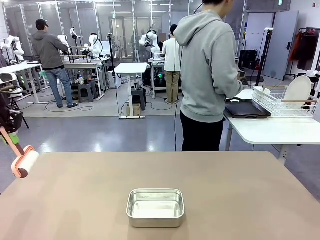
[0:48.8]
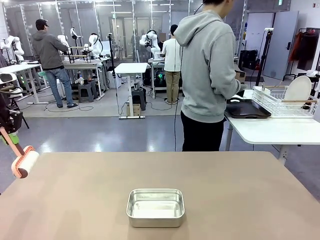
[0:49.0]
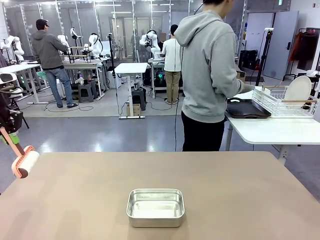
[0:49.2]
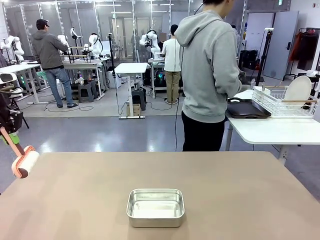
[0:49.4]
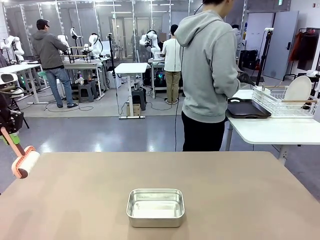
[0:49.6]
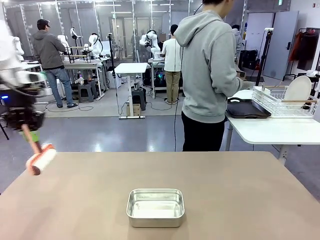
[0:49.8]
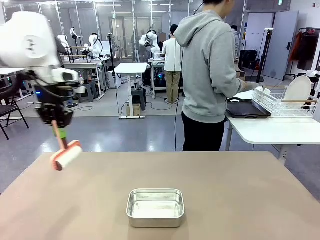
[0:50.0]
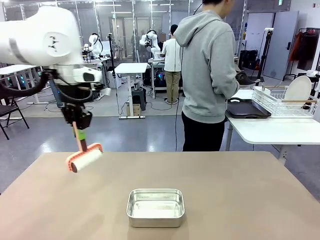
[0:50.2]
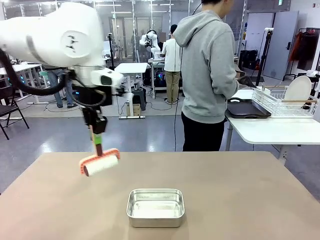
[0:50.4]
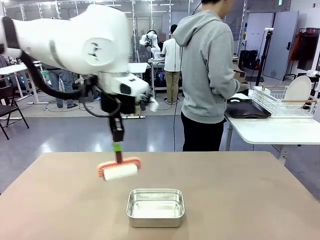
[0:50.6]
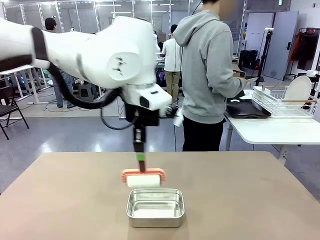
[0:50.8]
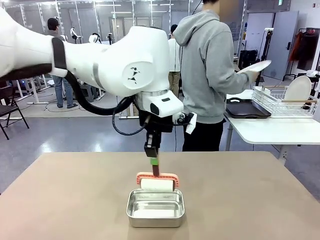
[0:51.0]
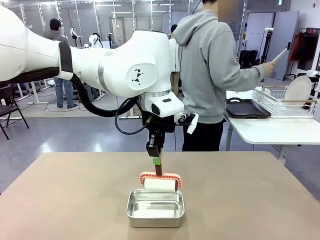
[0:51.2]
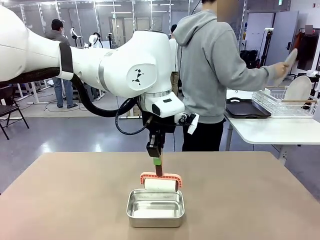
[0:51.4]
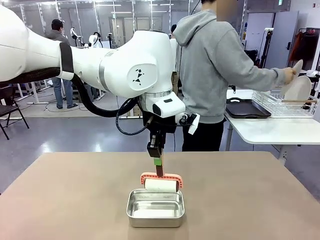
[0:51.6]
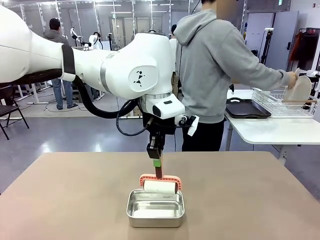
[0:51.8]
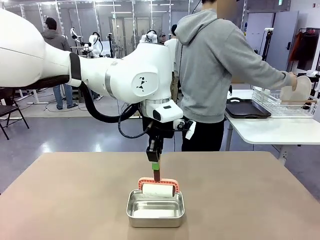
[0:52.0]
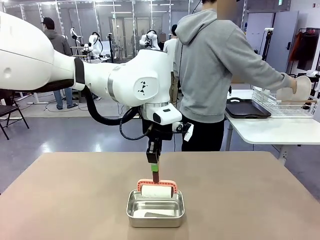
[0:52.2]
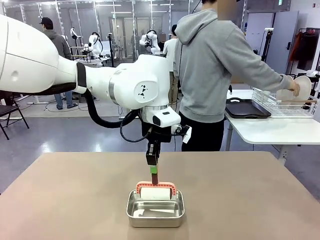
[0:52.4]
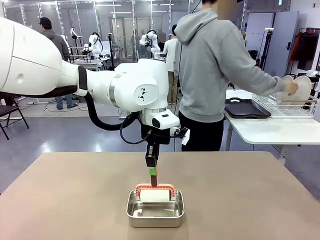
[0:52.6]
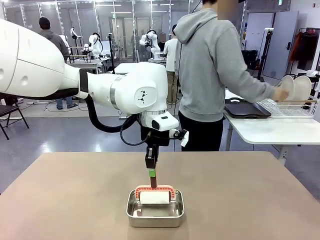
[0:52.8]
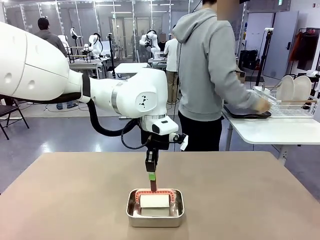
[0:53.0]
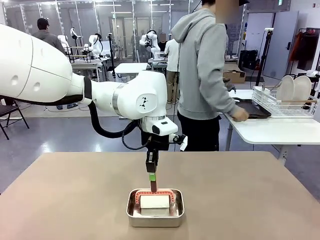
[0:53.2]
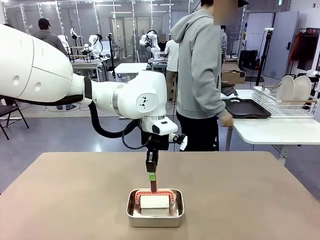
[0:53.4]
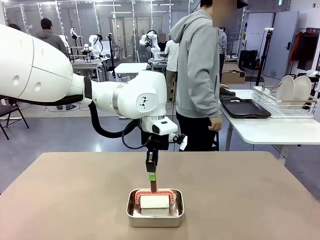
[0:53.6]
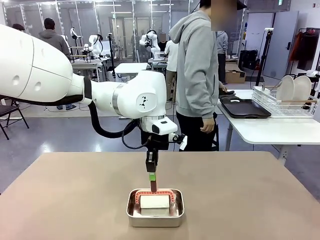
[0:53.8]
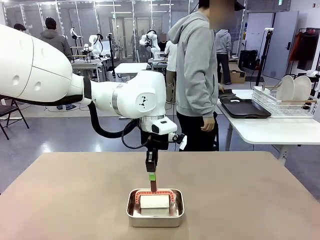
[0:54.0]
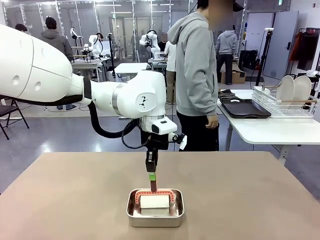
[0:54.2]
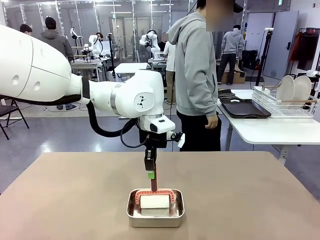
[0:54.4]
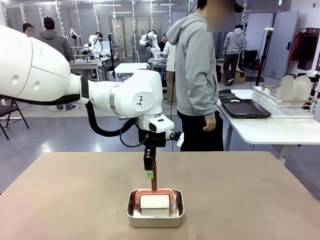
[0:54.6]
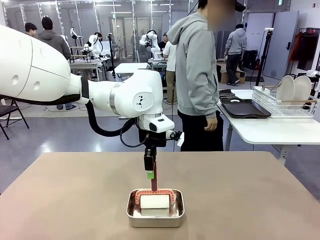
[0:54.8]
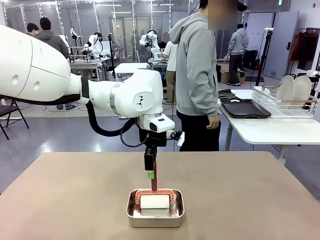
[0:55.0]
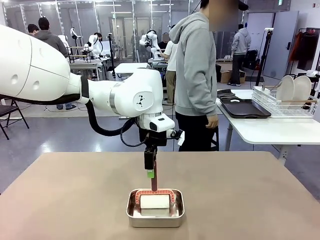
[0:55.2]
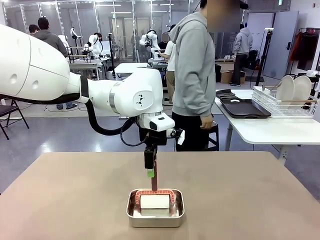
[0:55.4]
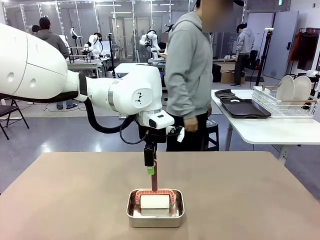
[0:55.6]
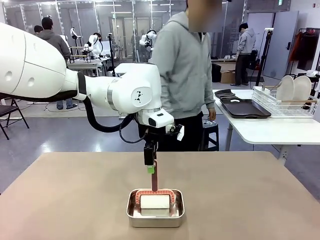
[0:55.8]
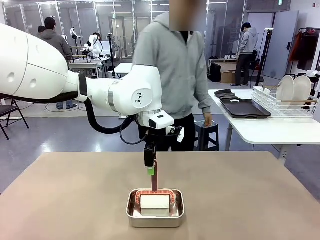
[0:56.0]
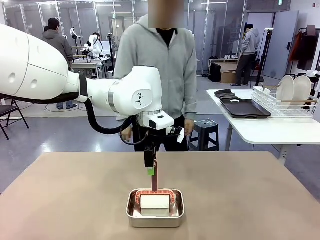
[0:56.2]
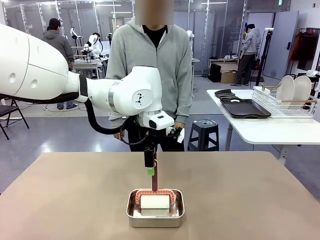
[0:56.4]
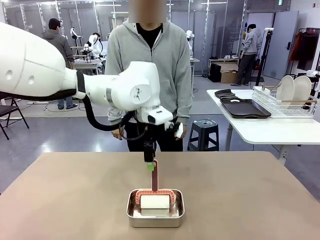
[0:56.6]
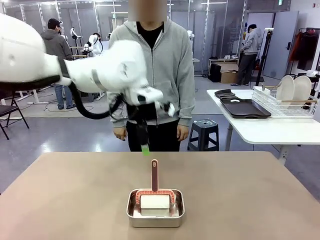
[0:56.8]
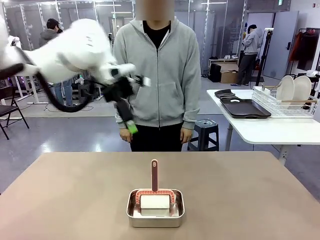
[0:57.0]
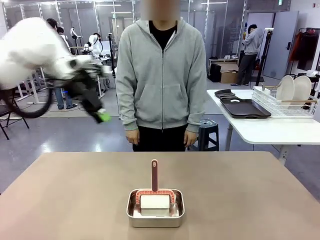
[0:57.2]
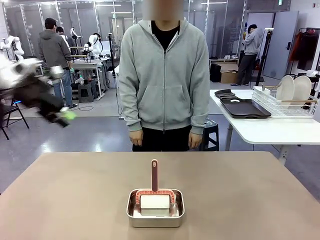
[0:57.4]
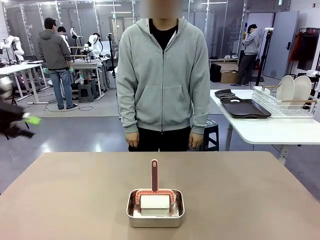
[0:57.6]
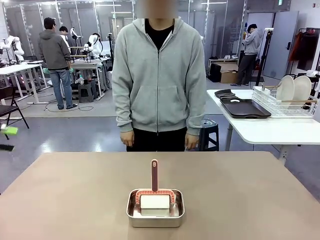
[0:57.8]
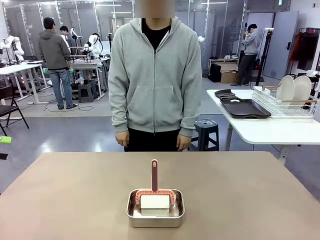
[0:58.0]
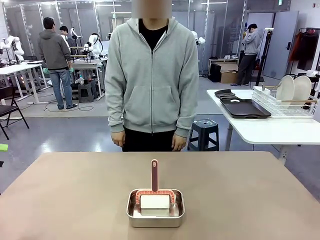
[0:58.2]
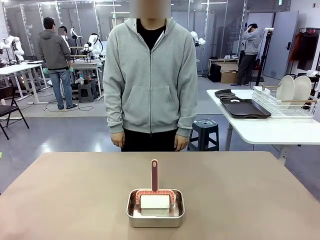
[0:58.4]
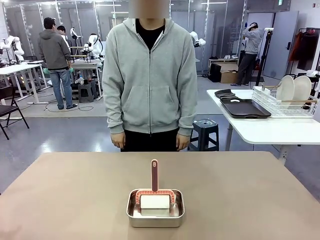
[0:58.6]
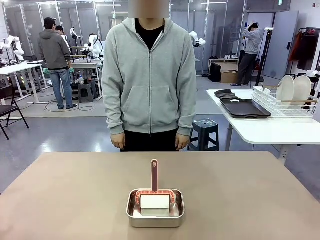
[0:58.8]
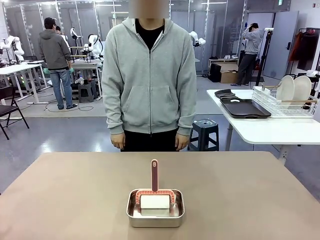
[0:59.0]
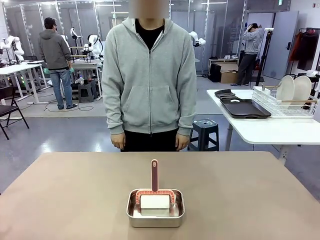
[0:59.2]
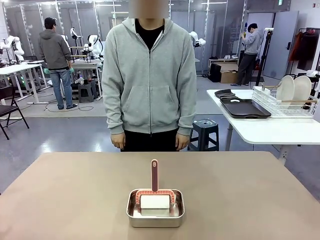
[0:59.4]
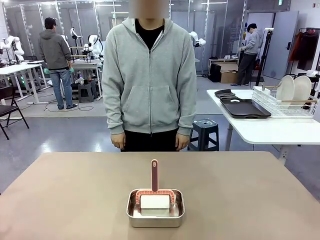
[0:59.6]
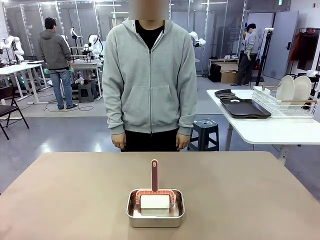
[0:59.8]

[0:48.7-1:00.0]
Robot: Place the Lint Roller back on top of the Airtight Container.

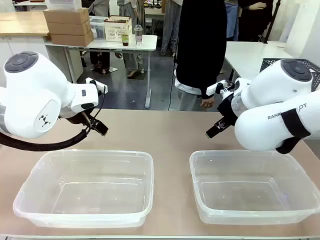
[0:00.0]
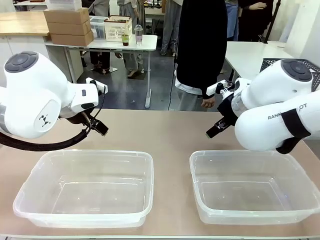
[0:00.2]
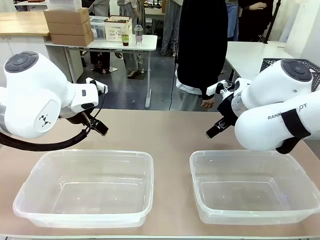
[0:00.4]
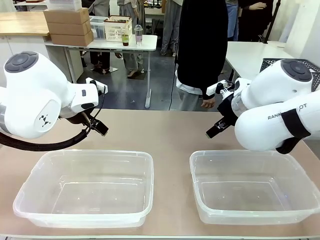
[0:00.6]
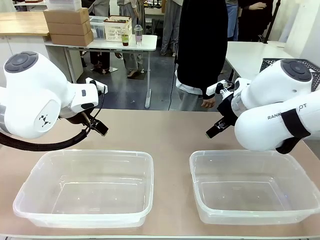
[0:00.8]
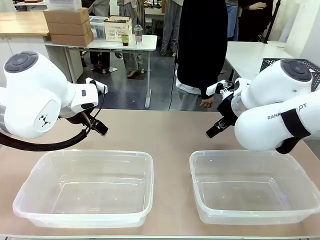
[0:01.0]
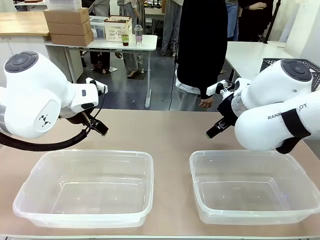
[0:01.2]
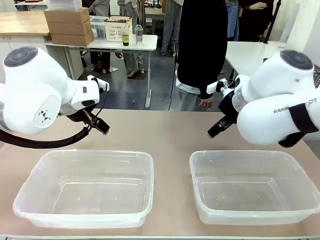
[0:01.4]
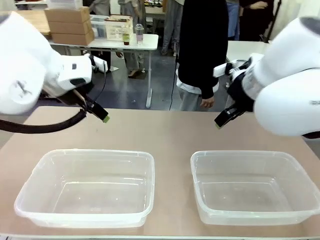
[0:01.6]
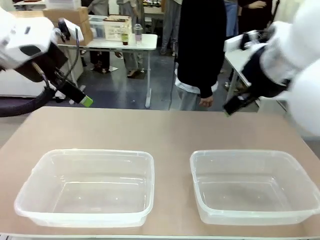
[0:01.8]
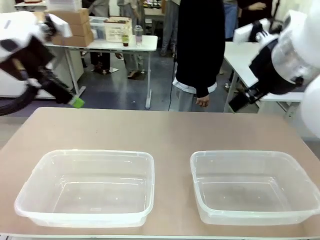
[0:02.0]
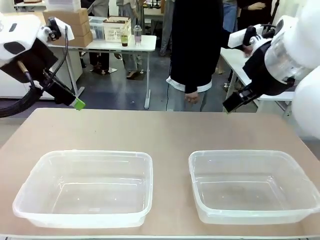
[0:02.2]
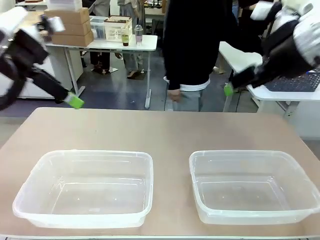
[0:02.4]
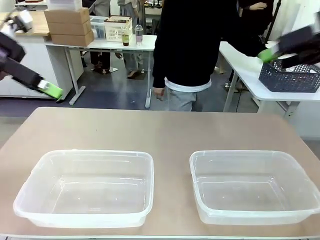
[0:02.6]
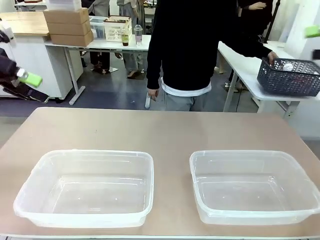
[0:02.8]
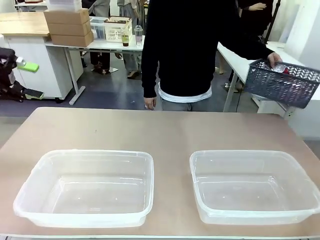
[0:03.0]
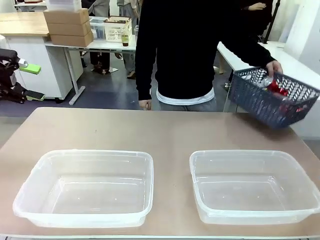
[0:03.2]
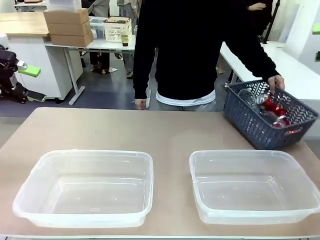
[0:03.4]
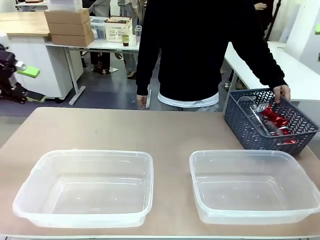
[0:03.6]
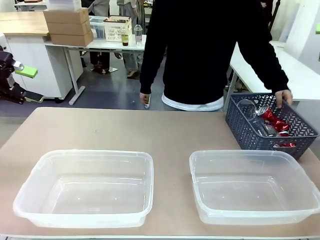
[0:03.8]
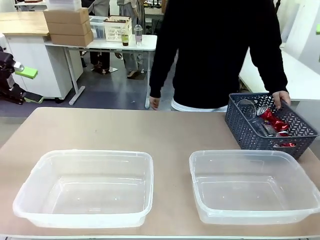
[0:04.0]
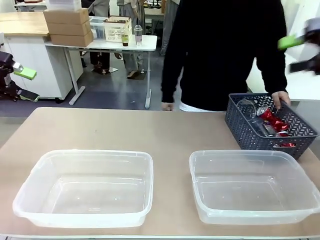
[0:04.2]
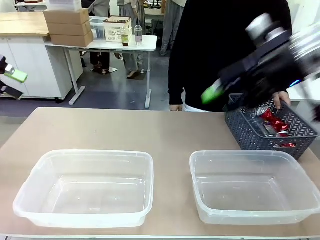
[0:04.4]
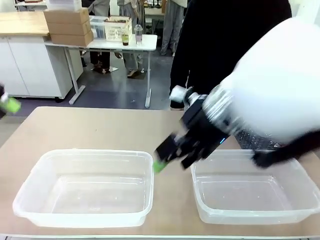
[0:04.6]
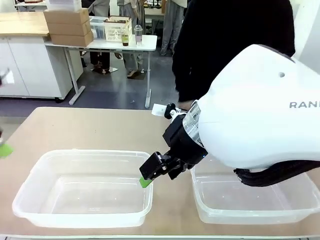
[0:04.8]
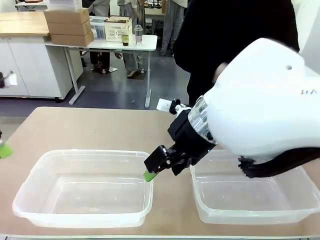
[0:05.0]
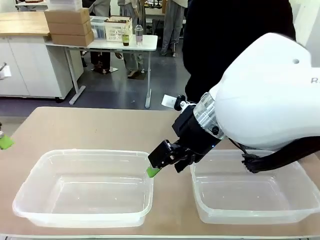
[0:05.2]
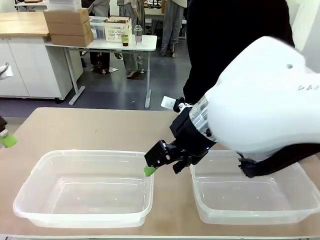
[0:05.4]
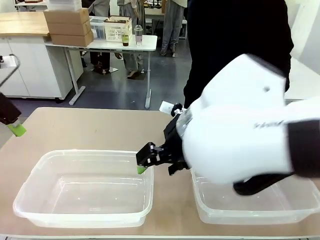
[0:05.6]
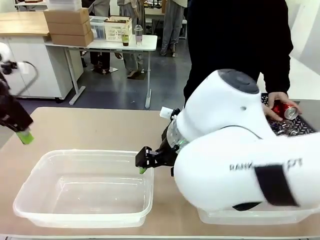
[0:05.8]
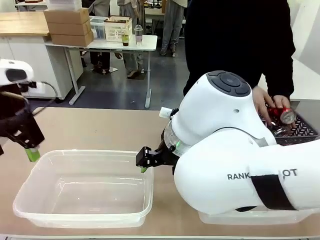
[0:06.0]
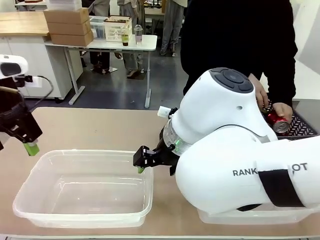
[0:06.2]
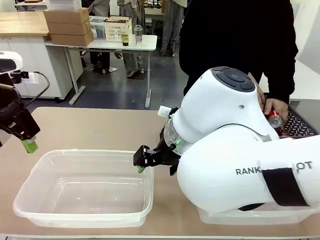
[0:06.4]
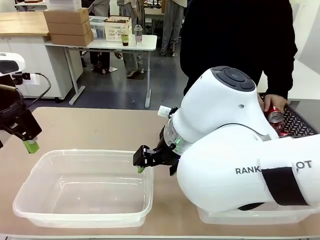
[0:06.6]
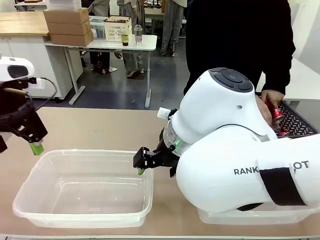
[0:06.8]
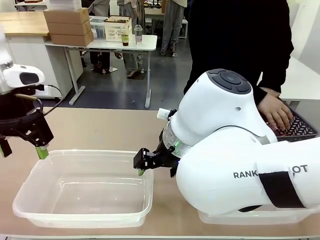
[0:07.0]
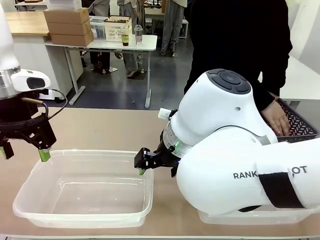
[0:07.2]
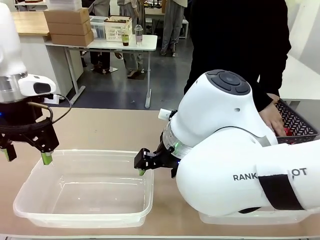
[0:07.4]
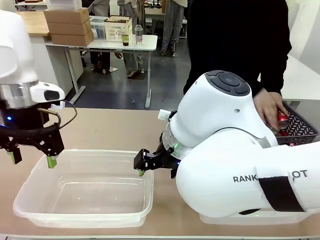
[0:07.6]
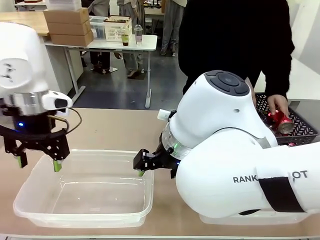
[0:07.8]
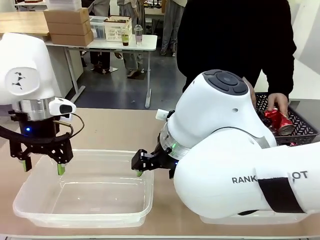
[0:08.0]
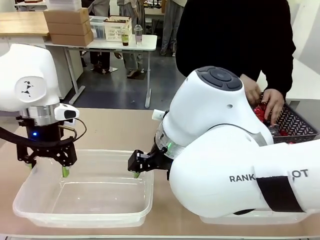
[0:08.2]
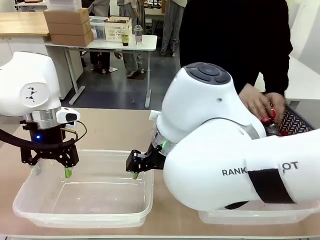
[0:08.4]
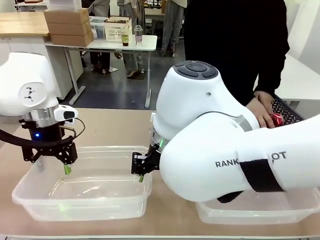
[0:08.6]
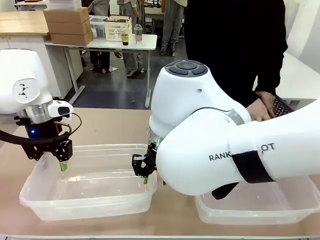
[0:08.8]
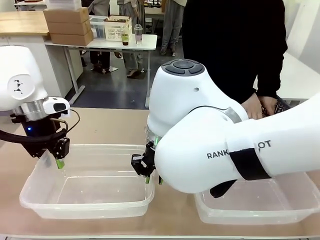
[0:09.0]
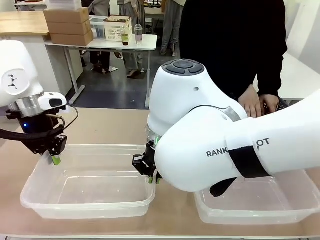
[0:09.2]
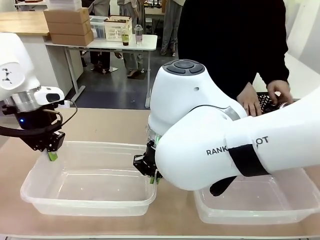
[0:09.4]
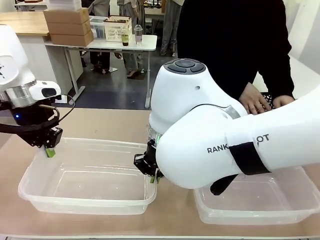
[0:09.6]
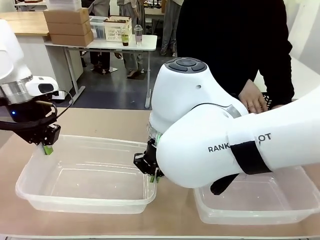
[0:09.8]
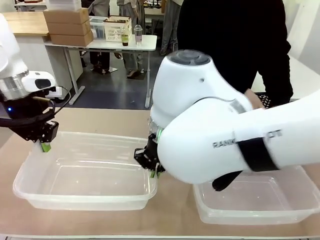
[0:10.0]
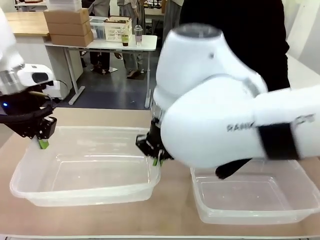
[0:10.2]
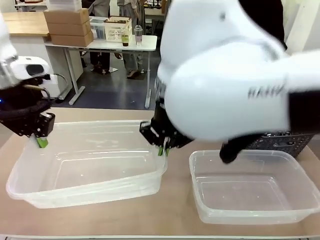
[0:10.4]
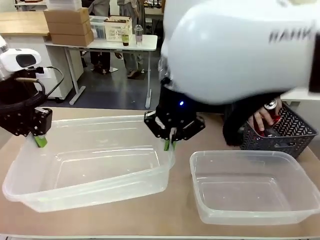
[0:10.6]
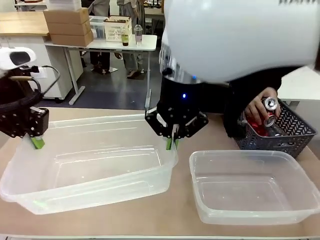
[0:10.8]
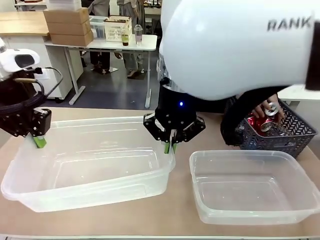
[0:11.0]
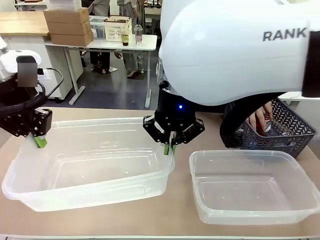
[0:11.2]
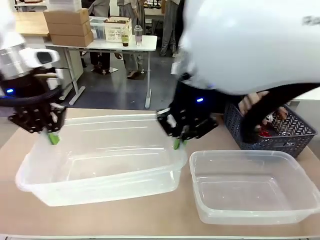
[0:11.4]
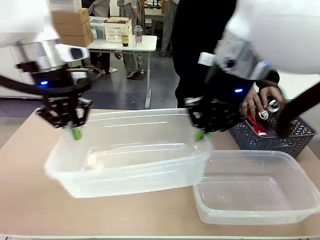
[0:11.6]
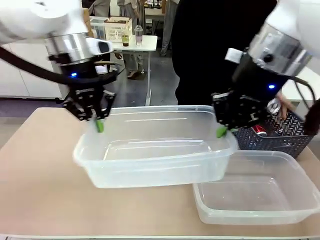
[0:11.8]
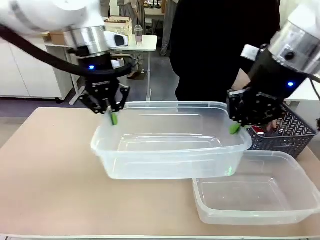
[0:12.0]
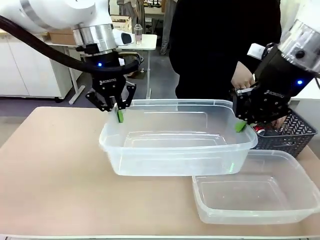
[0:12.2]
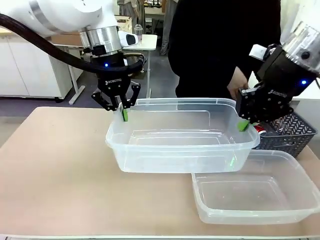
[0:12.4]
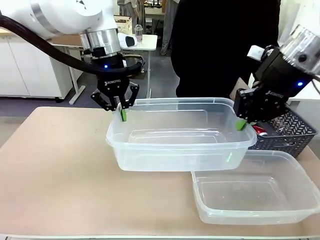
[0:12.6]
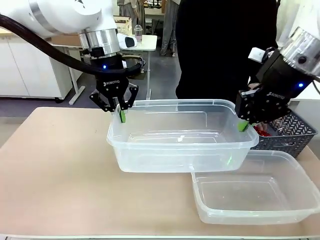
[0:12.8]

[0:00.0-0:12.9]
Robot: Pick up the Organizing box on the left side of the table and lift it.
Person: Pick up the storage basket and place it on the left side of the robot table. Pick up can-shaped waste one by one and place it into the organizing box lifted by the robot.
